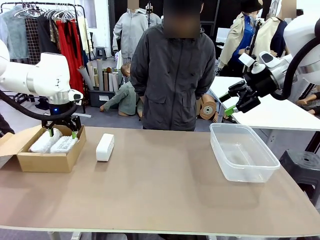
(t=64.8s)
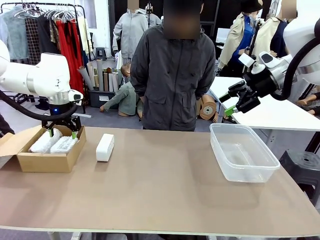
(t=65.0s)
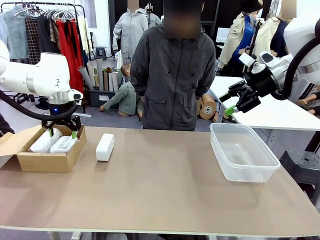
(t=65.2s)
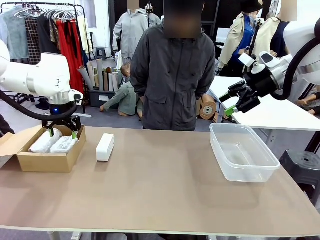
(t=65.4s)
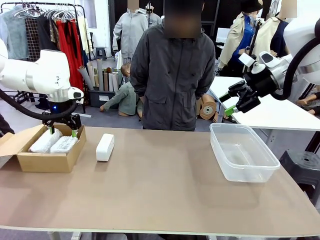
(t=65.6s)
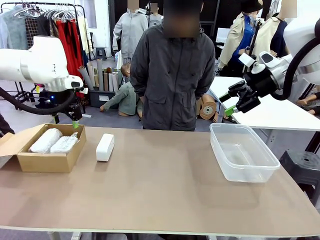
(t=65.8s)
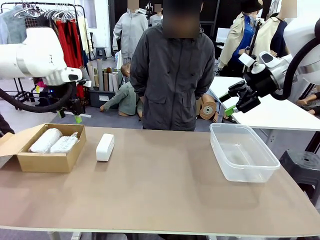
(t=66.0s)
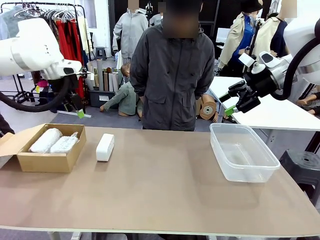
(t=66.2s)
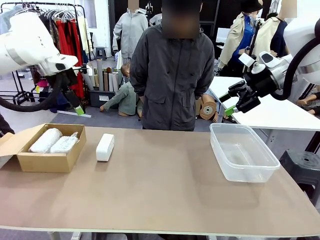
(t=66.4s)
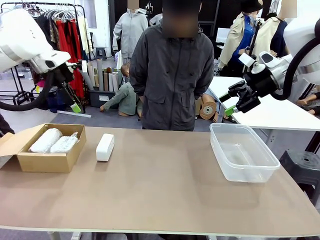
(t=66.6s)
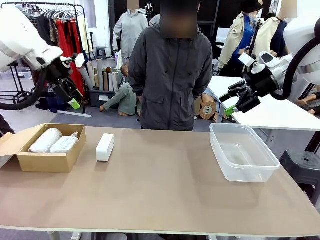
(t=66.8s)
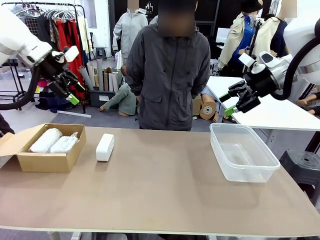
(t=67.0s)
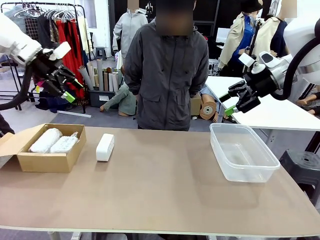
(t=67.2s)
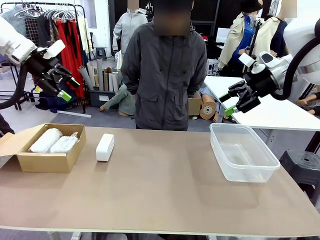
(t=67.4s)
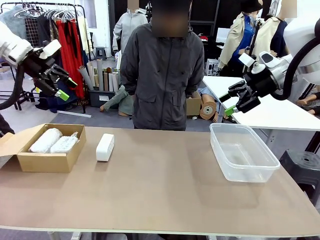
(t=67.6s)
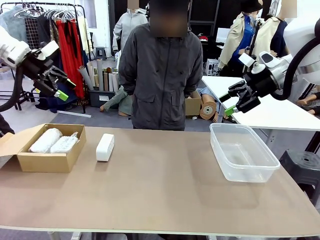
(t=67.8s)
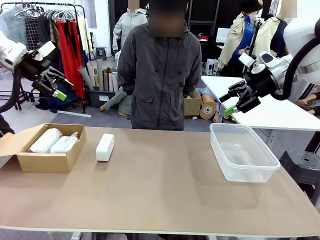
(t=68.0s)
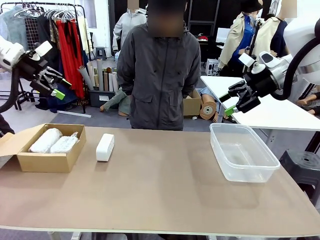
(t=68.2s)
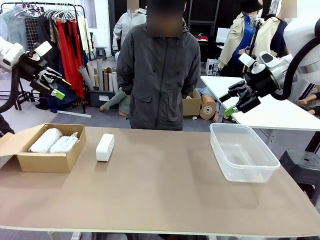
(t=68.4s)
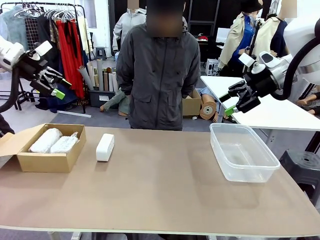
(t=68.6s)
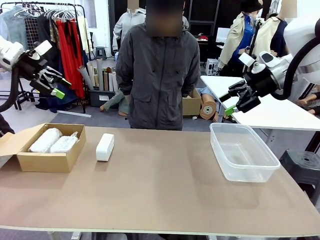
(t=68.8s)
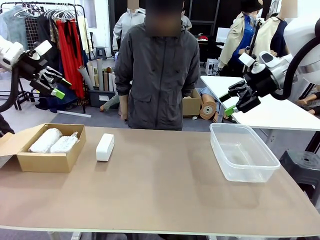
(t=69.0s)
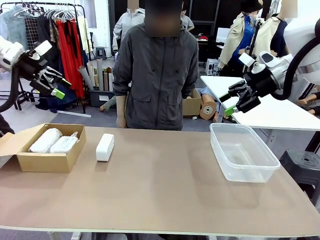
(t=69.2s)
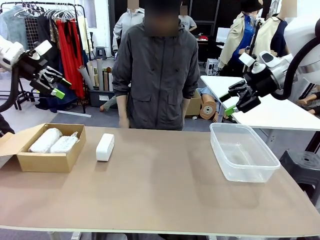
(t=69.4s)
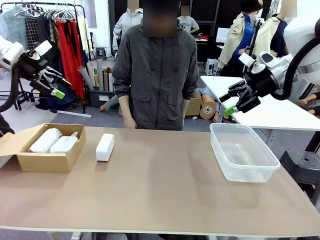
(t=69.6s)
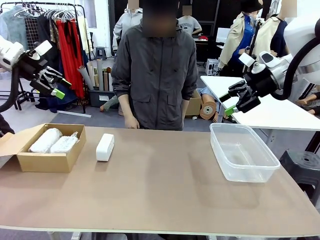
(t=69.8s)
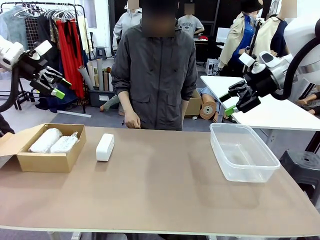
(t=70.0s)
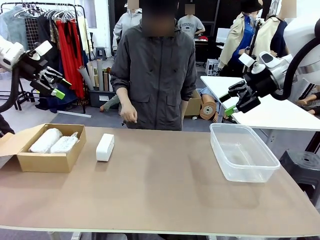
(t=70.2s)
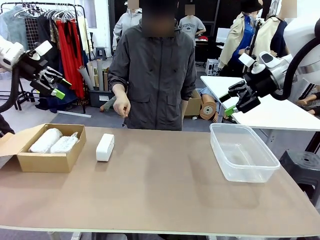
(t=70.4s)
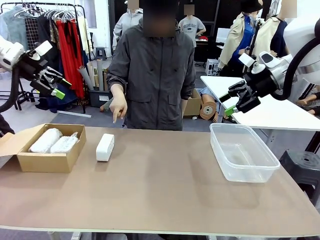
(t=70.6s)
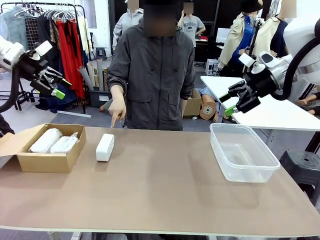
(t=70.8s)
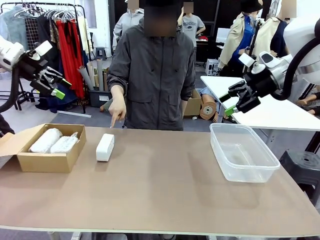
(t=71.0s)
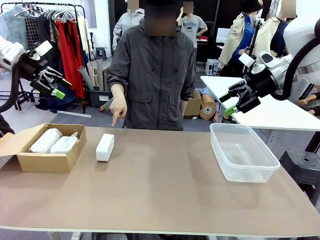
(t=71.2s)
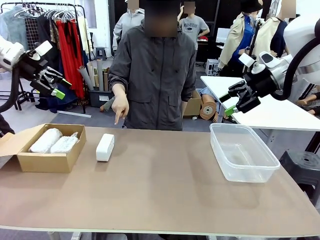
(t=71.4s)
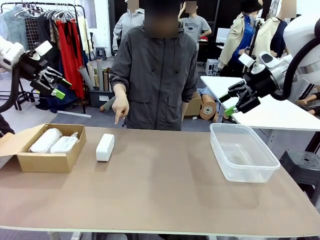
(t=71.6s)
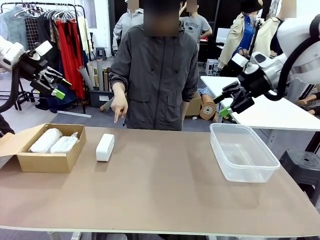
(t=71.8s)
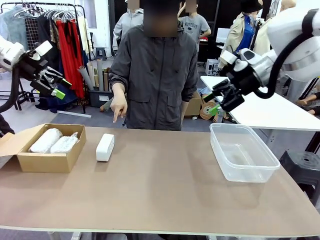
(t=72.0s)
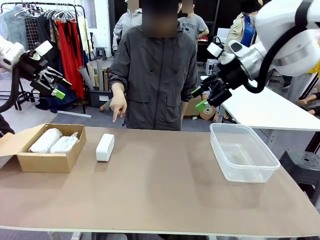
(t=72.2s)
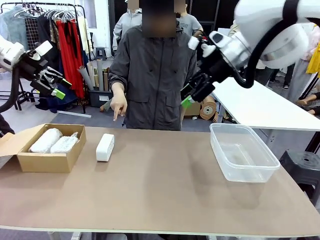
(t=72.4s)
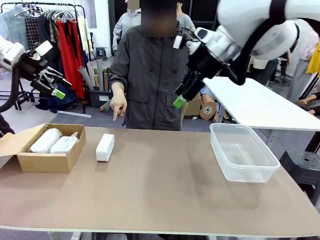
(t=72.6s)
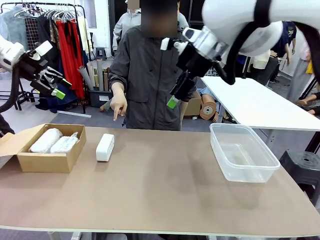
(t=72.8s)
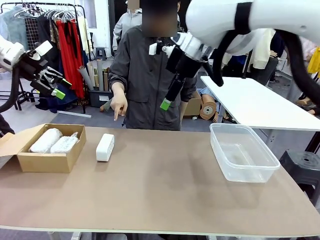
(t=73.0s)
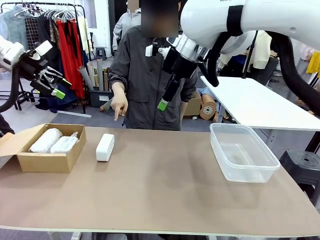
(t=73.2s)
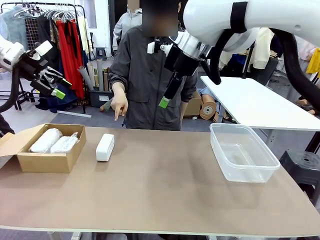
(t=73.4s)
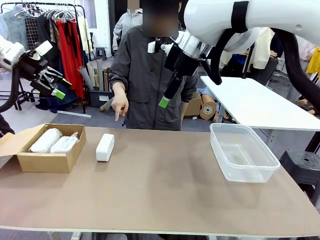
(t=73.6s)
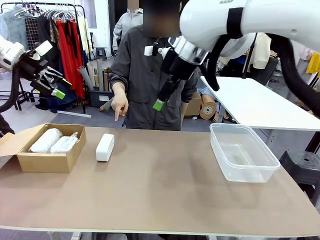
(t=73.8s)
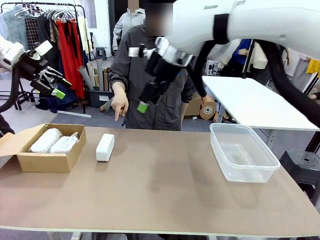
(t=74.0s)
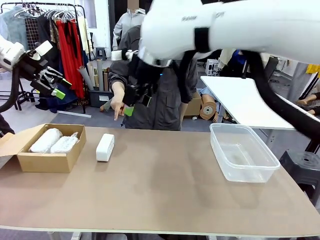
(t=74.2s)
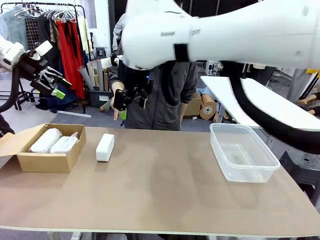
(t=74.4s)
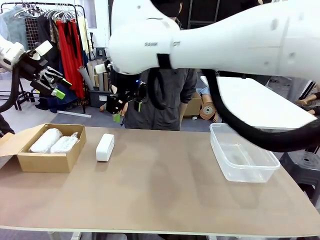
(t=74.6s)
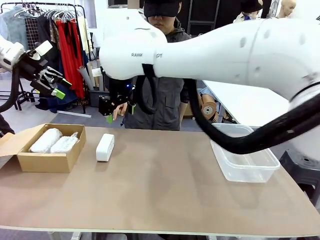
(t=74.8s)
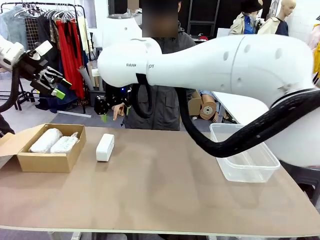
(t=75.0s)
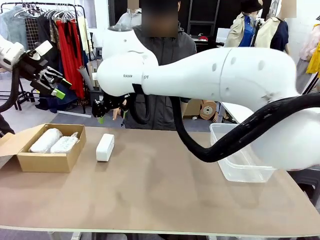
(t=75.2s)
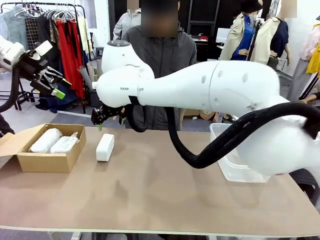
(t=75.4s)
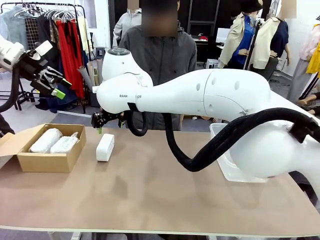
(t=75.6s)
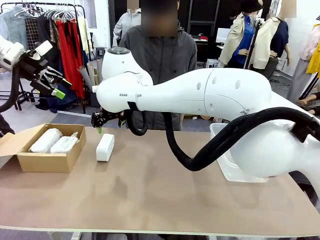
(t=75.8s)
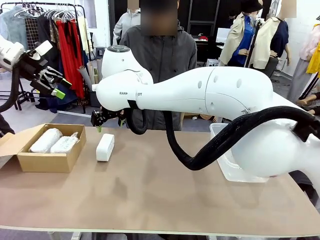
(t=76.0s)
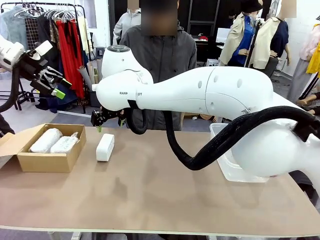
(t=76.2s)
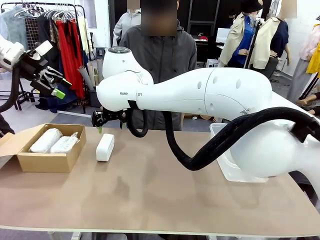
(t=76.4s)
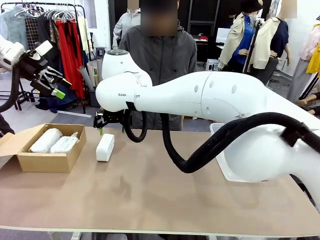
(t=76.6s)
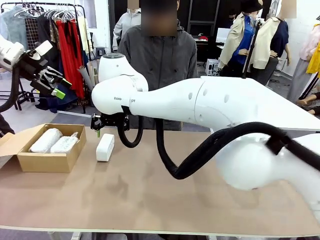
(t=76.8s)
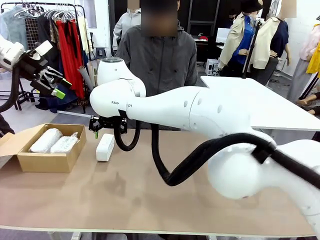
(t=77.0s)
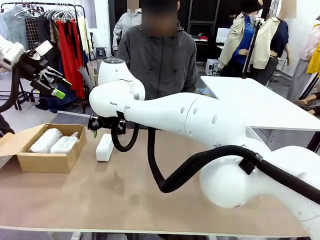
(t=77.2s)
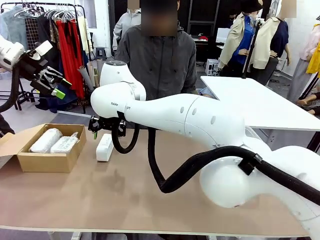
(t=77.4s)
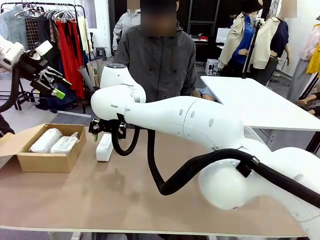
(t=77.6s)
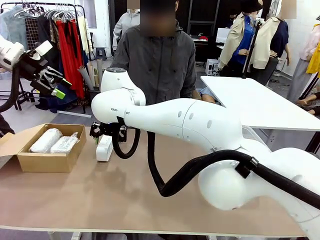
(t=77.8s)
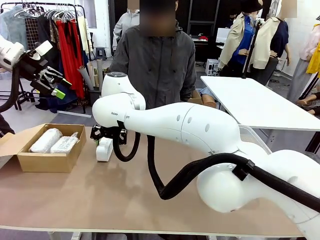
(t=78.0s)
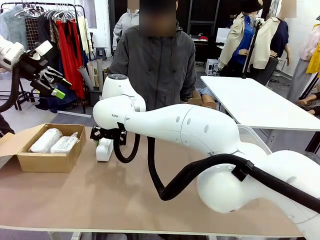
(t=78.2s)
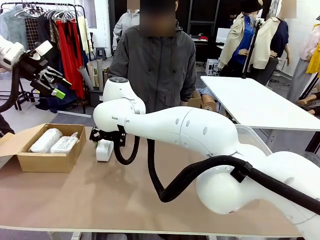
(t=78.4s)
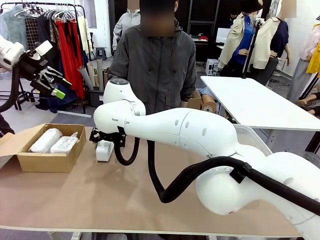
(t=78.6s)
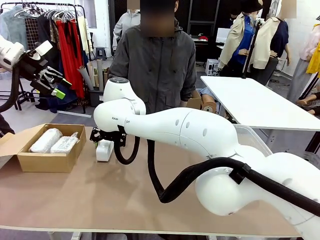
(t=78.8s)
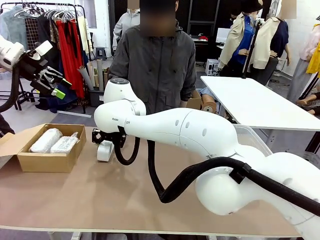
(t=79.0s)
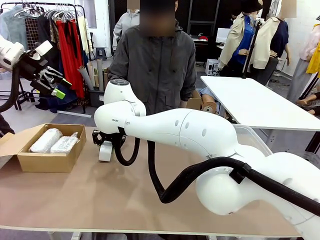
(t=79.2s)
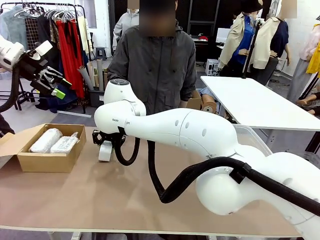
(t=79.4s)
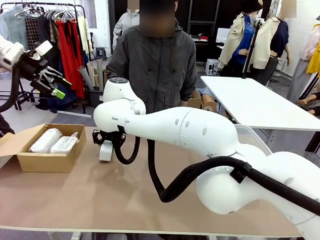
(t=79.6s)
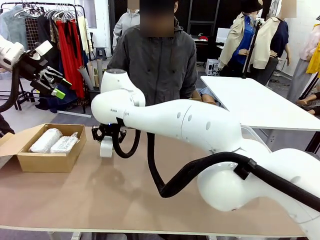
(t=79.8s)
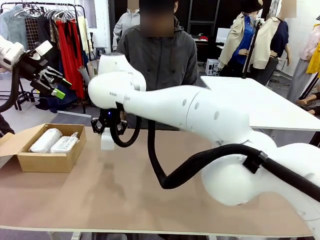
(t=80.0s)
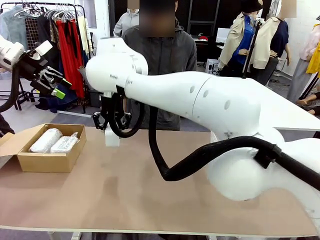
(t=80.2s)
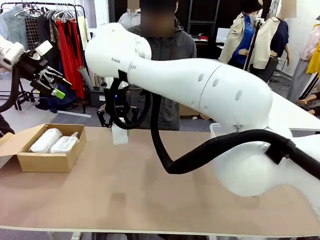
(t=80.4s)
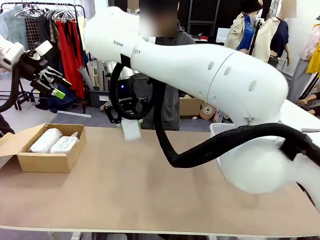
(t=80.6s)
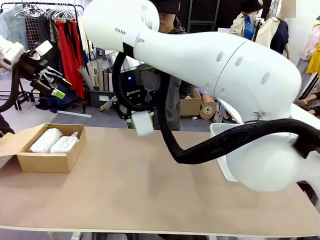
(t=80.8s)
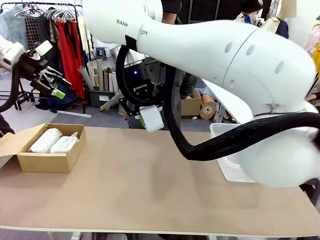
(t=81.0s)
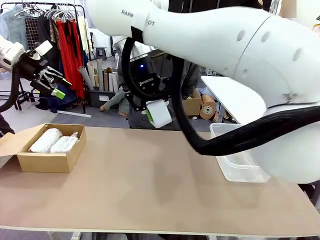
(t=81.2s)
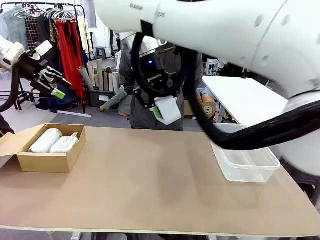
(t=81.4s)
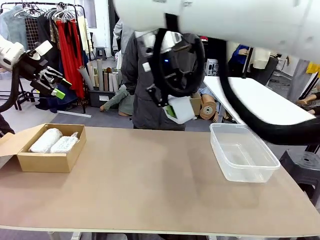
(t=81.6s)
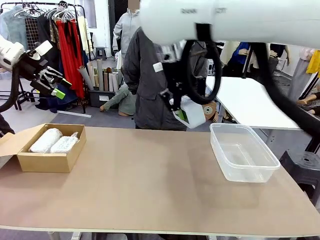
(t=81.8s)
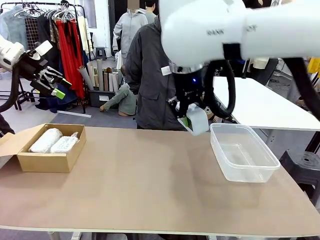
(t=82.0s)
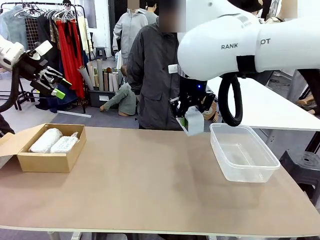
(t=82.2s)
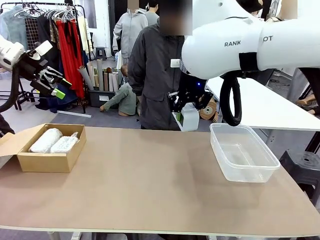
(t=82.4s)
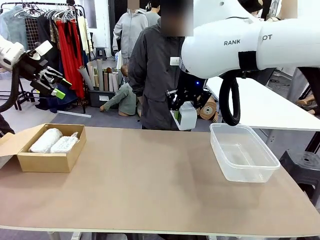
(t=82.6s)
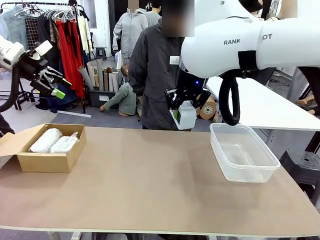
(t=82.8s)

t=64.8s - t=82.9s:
Task: Separate and place wrapped and unwrapped clocks.
Robot: Pick up the Digital clock indicated by the person.
